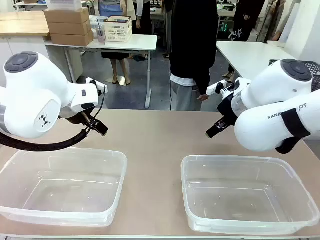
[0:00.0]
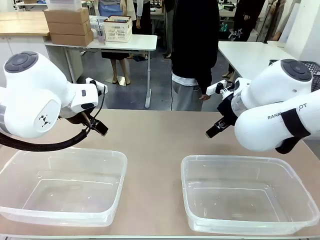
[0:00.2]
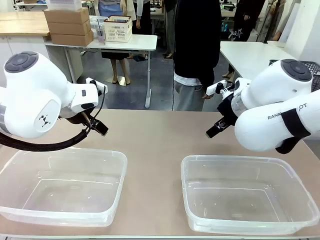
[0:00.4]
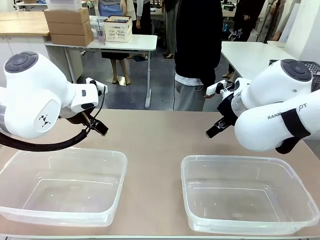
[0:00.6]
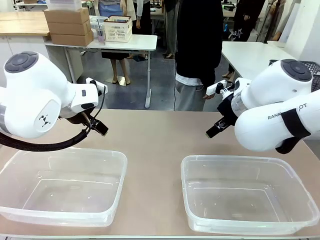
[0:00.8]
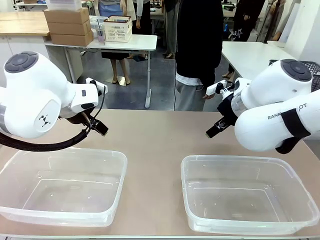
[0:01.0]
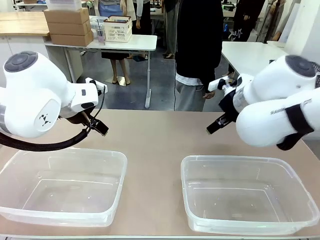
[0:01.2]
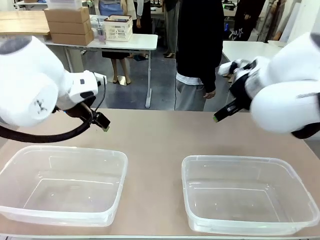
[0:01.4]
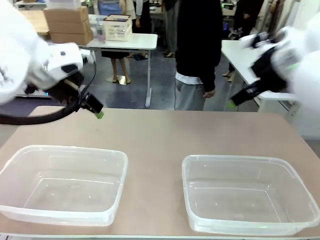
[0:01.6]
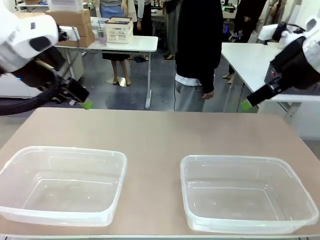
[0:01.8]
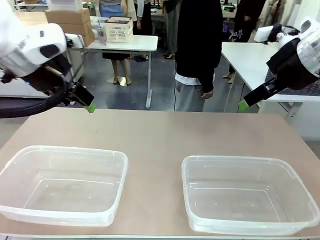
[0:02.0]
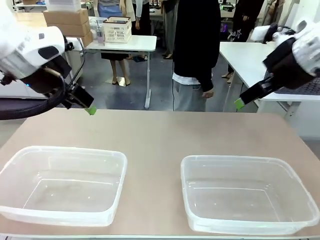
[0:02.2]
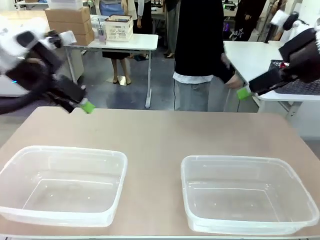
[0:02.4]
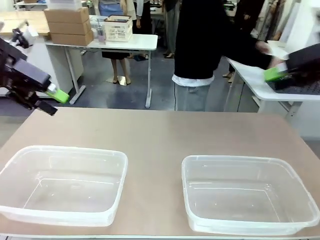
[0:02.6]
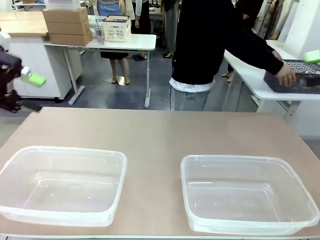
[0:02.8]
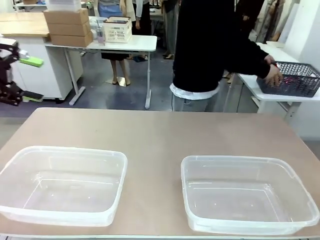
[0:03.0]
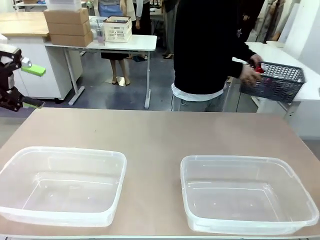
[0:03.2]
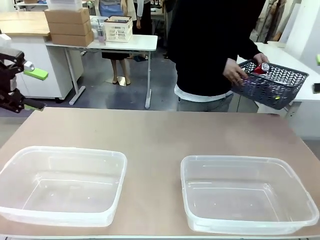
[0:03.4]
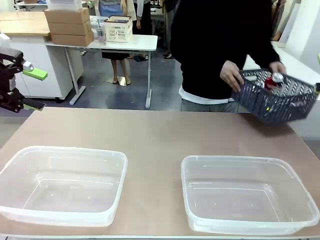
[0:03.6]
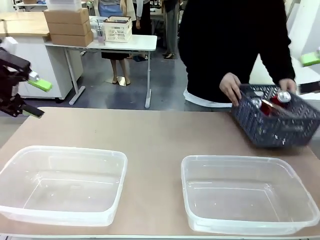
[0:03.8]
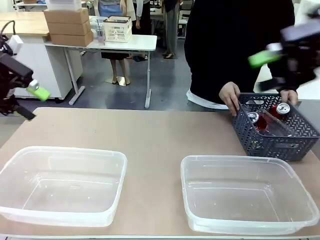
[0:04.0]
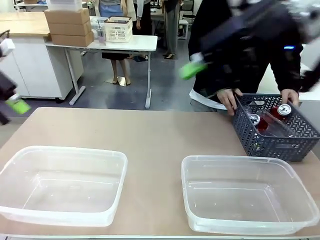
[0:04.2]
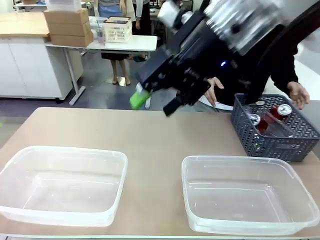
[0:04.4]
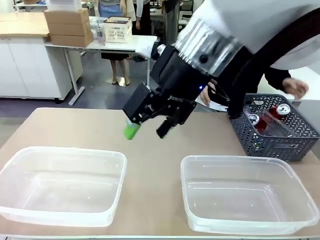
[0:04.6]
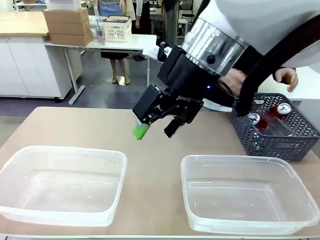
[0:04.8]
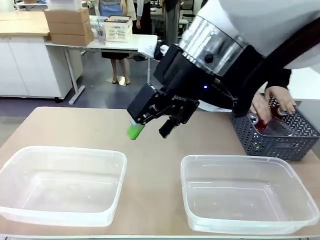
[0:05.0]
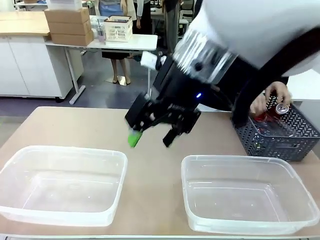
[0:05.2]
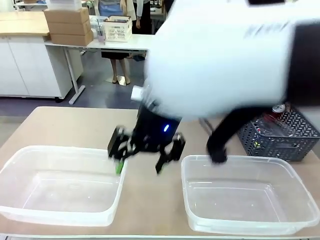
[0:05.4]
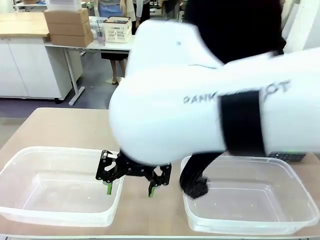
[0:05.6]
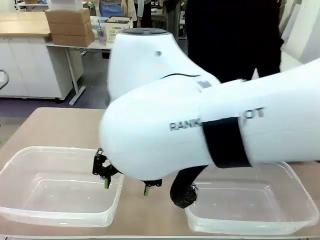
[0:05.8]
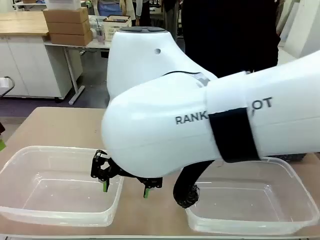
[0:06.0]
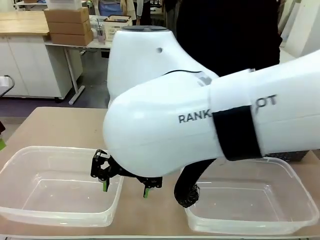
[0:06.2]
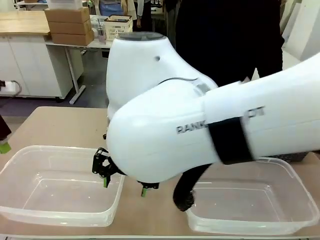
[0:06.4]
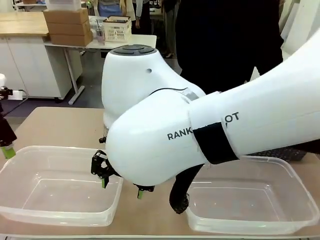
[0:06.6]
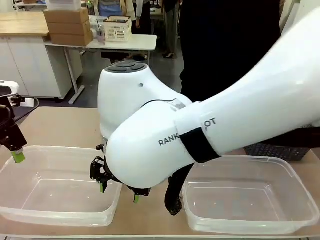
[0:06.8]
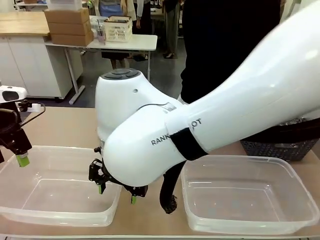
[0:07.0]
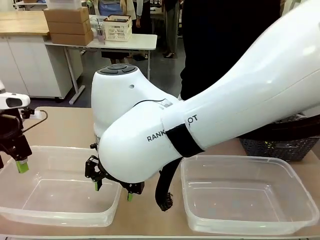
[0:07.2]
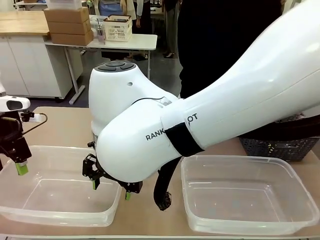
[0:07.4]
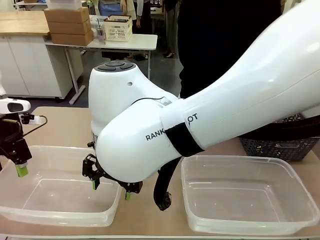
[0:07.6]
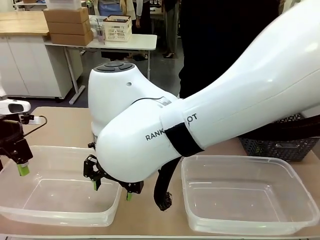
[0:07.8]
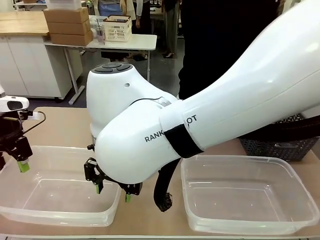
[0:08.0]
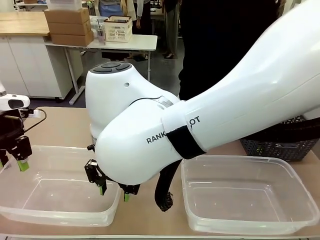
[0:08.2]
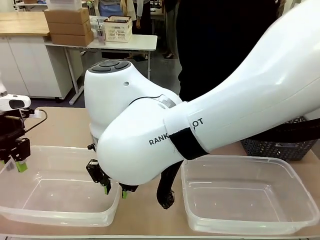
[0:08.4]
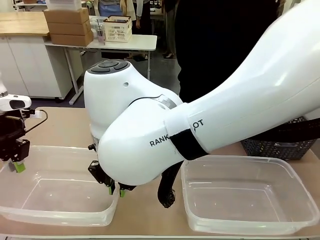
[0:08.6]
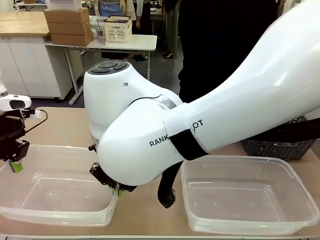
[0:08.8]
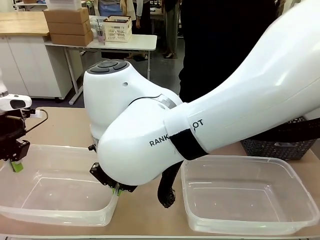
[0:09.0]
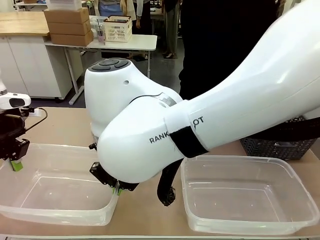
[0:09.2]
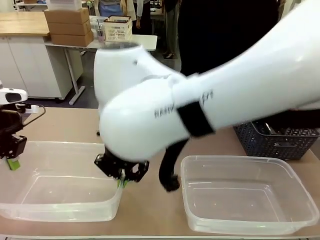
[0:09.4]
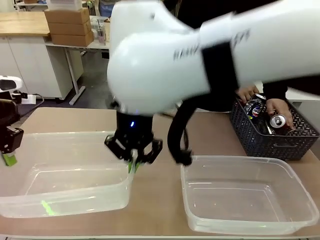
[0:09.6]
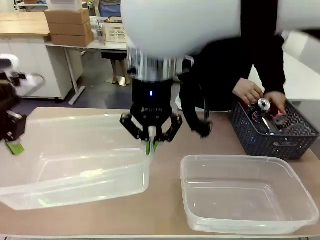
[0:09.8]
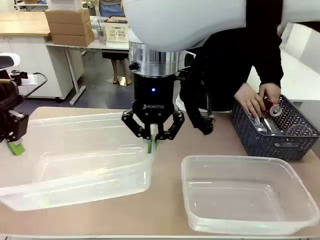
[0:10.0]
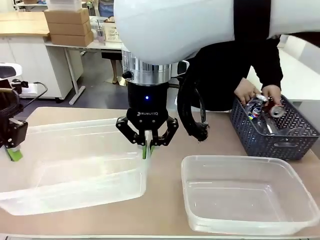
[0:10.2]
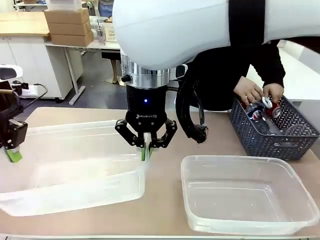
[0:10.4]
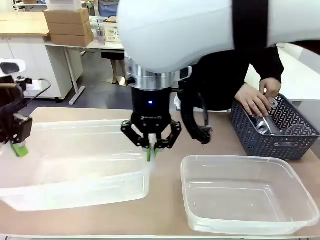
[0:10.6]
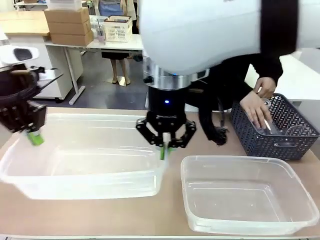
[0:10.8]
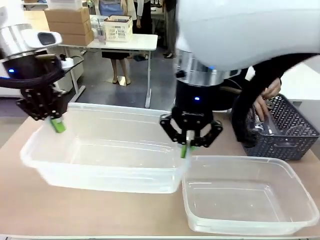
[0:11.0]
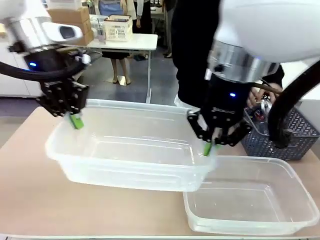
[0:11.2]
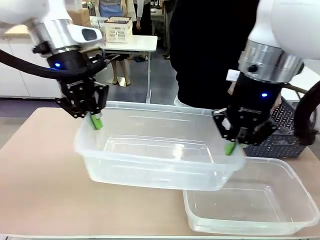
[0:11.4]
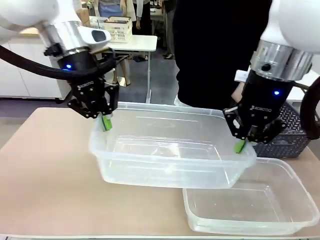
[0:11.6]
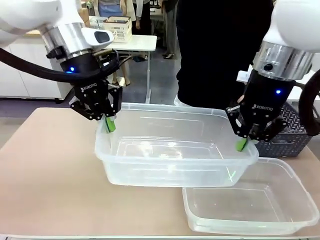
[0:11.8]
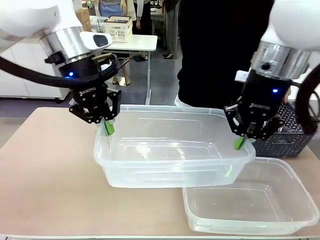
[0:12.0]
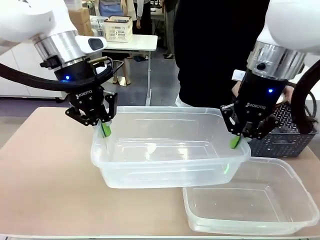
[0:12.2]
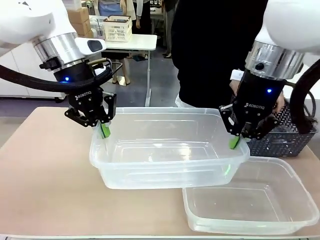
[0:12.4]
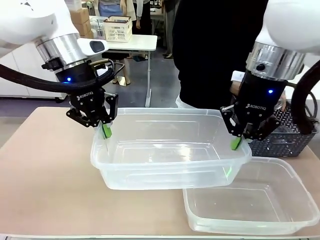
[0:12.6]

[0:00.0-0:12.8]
Robot: Pick up the Organizing box on the left side of the table and lift it.
Person: Pick up the storage basket and place it on the left side of the robot table. Pick up can-shaped waste one by one and place it into the organizing box lifted by the robot.

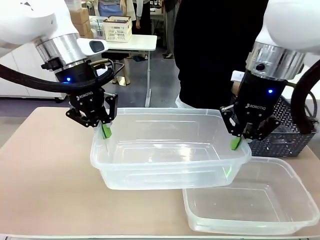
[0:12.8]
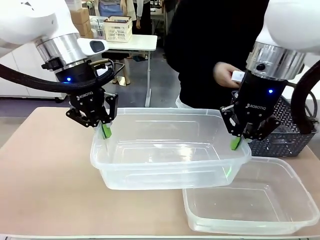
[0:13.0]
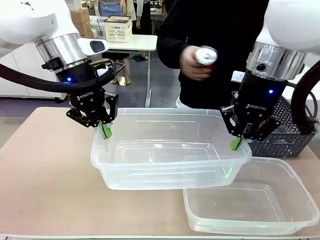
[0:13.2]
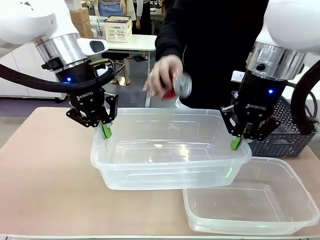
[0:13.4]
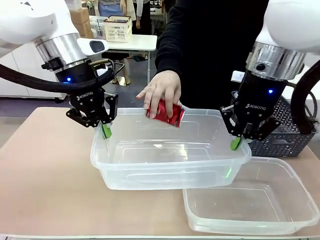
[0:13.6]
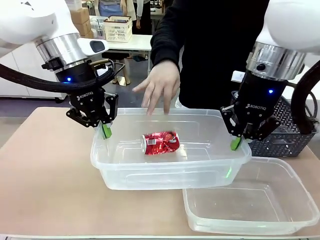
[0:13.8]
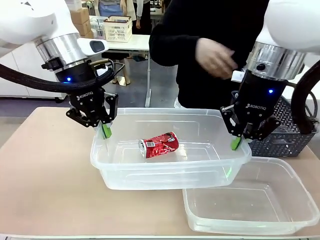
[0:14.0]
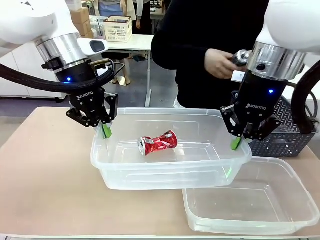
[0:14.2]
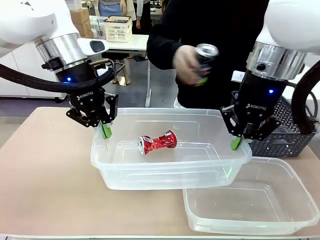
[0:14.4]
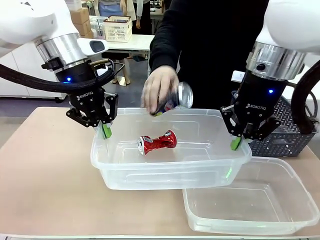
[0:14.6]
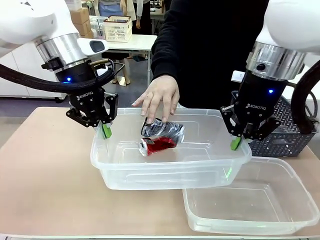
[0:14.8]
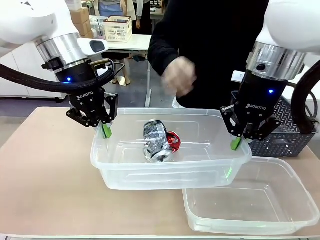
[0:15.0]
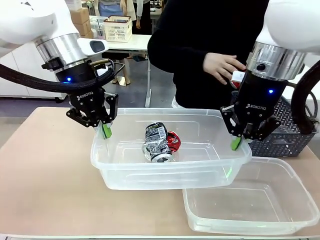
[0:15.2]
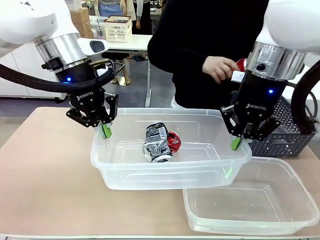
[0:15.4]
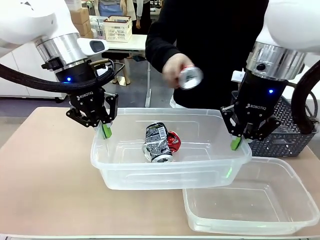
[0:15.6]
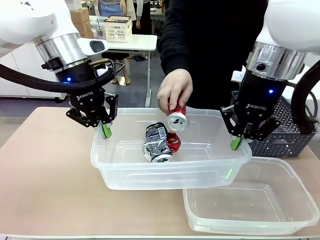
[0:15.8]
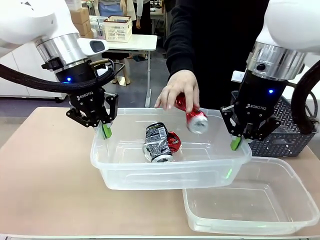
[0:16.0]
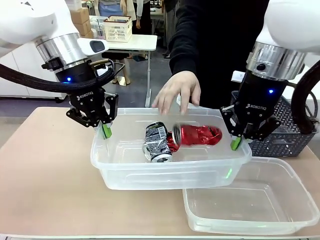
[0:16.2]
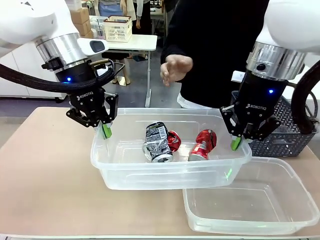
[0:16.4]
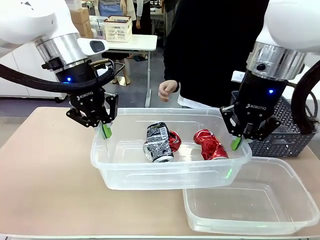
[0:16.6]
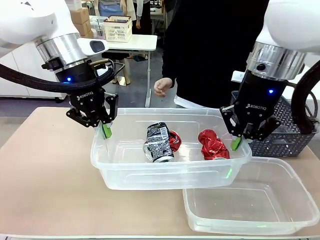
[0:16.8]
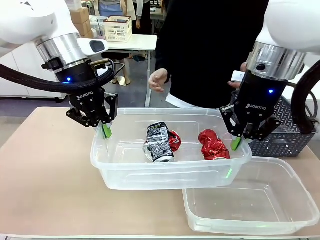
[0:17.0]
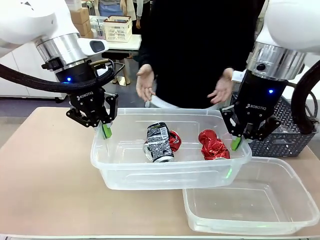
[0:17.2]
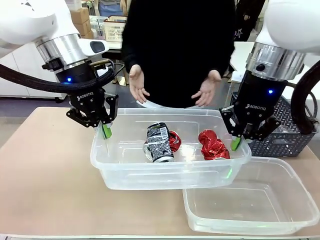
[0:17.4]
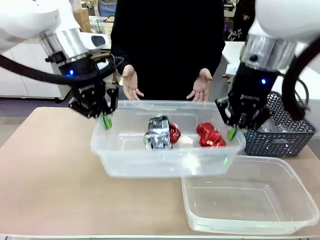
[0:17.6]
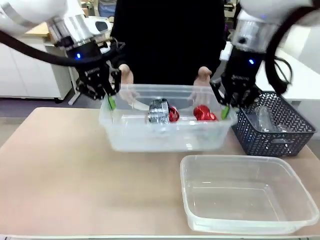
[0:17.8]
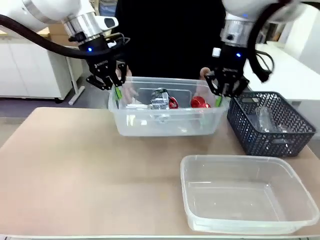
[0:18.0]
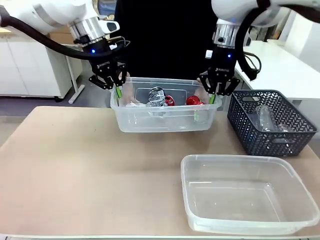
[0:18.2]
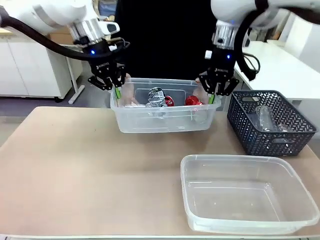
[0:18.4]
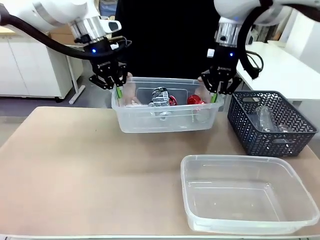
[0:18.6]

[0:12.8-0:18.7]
Robot: Offer the picked Organizing box to the human.

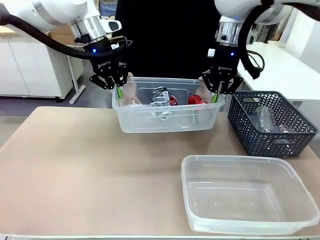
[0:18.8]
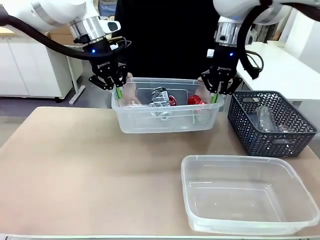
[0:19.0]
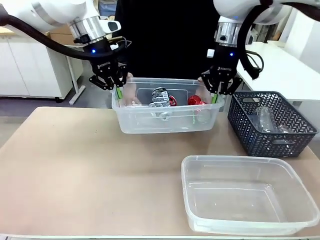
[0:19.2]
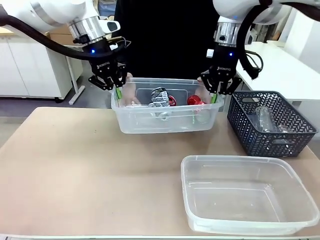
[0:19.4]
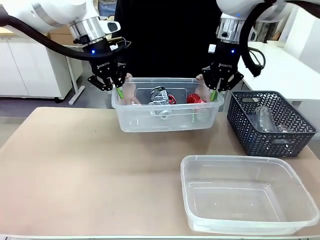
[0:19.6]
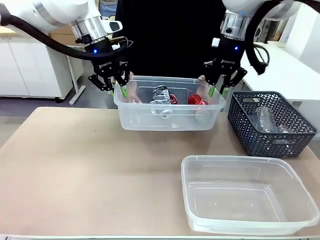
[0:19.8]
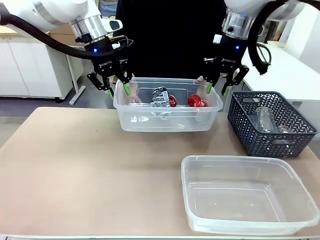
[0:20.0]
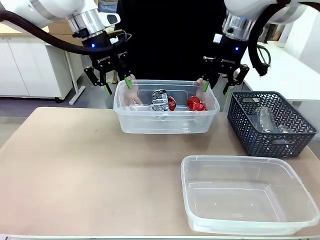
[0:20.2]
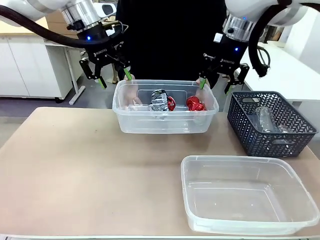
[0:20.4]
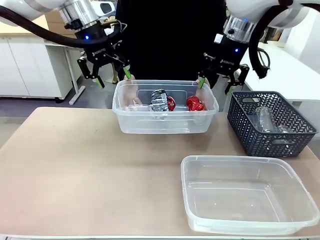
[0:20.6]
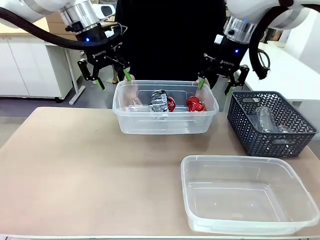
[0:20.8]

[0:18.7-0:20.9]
Robot: Release the Organizing box you were holding.
